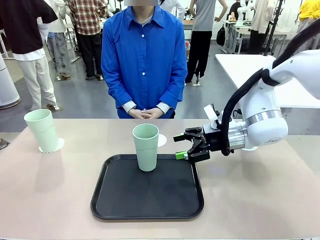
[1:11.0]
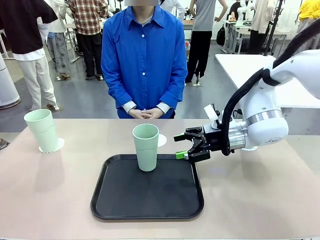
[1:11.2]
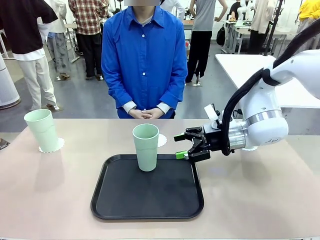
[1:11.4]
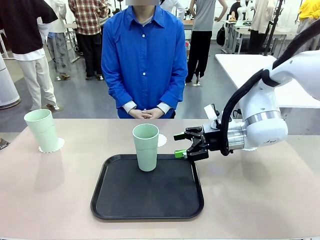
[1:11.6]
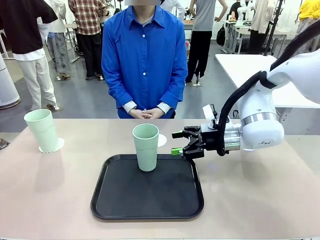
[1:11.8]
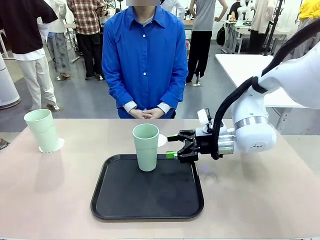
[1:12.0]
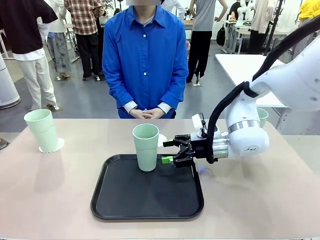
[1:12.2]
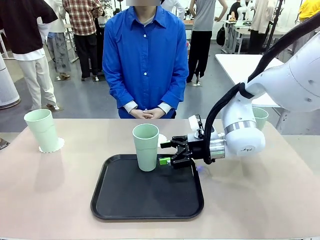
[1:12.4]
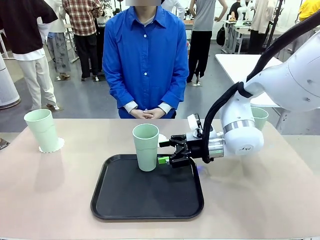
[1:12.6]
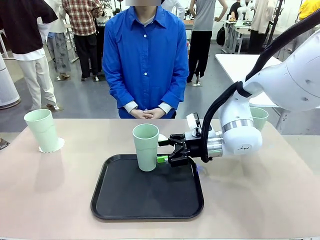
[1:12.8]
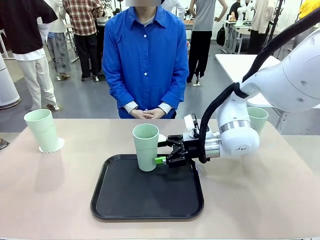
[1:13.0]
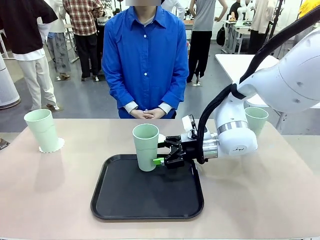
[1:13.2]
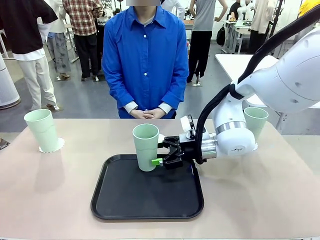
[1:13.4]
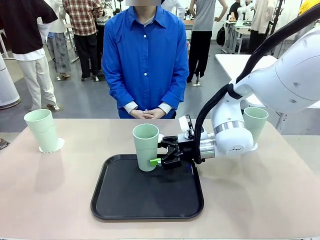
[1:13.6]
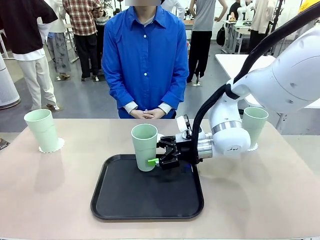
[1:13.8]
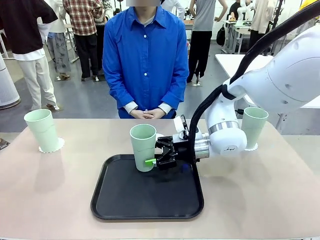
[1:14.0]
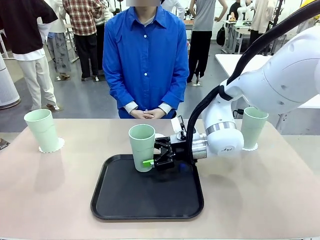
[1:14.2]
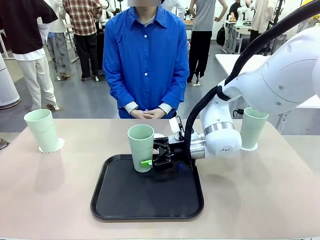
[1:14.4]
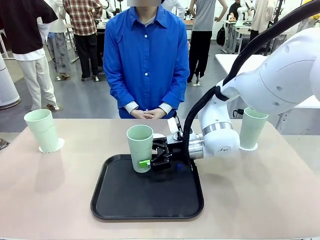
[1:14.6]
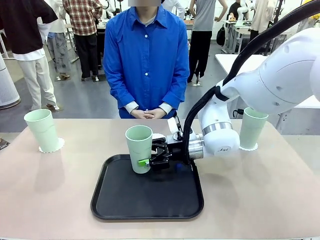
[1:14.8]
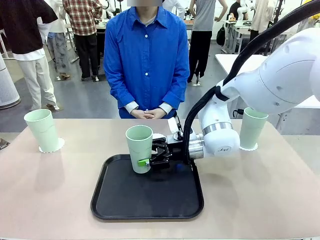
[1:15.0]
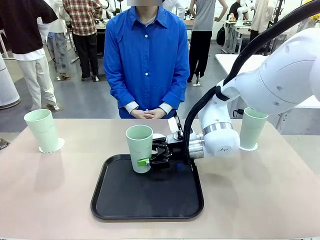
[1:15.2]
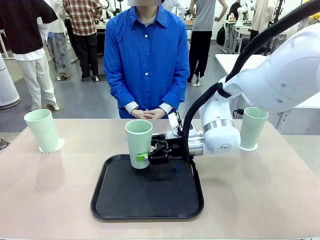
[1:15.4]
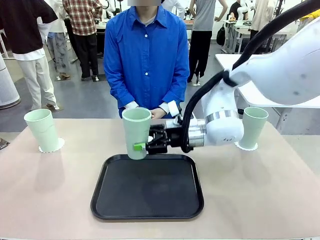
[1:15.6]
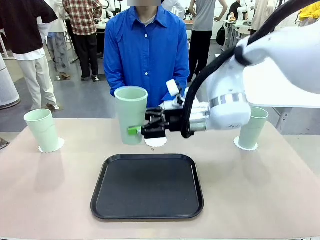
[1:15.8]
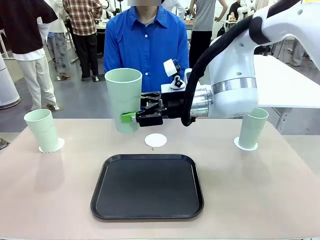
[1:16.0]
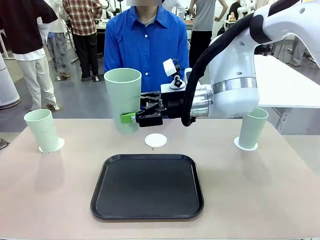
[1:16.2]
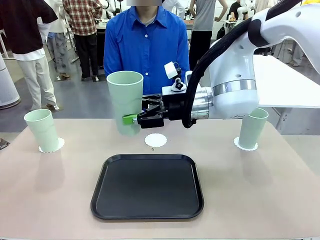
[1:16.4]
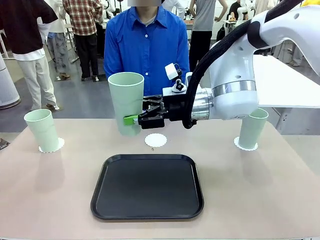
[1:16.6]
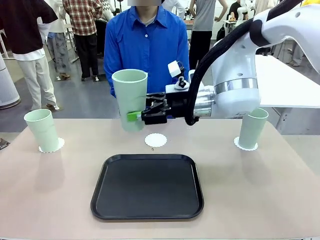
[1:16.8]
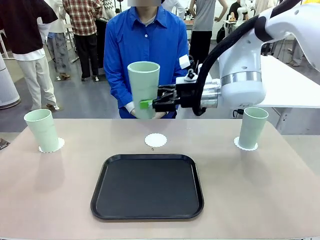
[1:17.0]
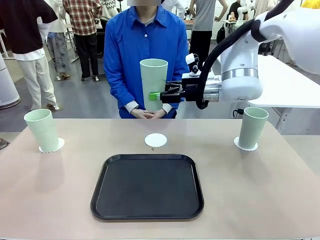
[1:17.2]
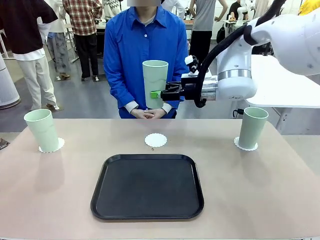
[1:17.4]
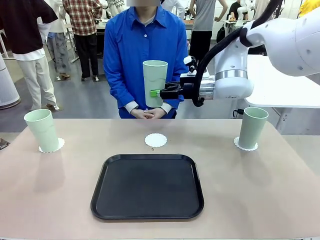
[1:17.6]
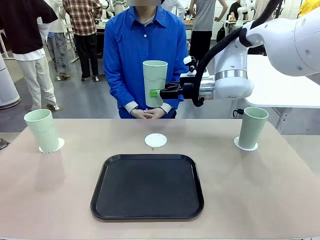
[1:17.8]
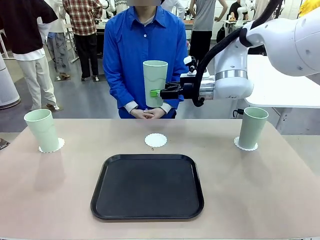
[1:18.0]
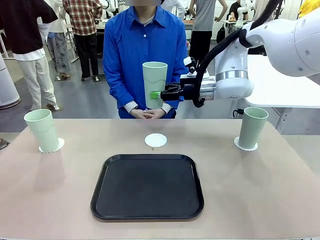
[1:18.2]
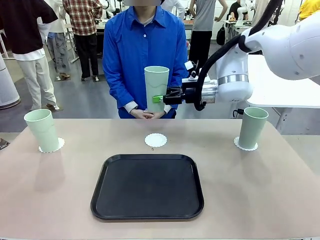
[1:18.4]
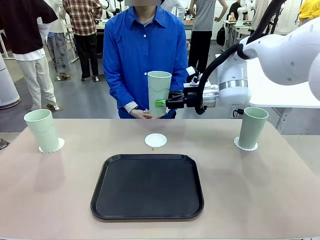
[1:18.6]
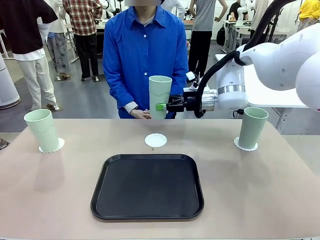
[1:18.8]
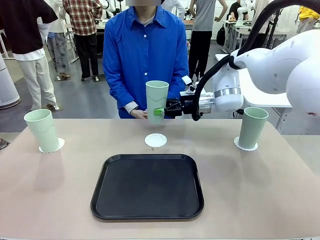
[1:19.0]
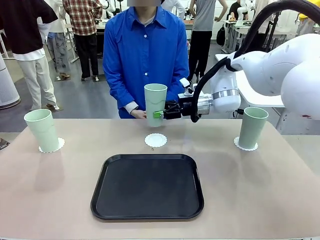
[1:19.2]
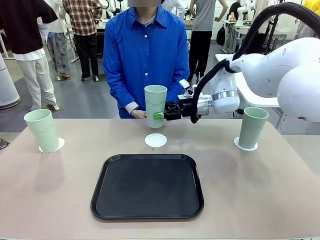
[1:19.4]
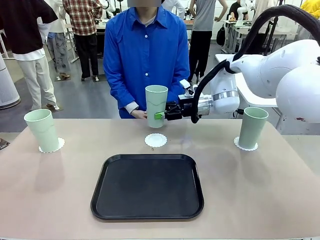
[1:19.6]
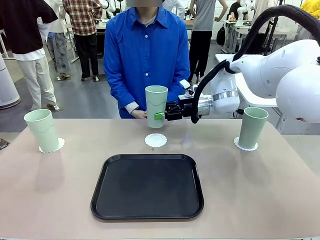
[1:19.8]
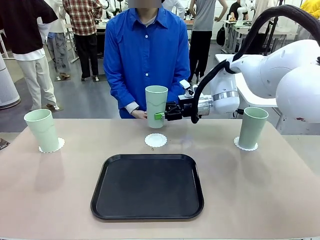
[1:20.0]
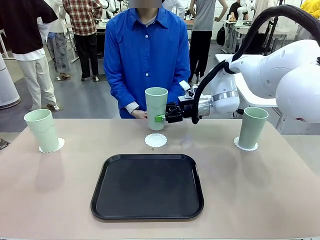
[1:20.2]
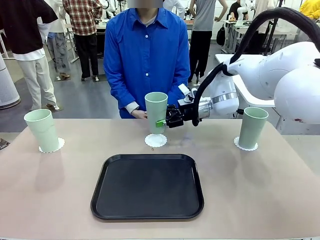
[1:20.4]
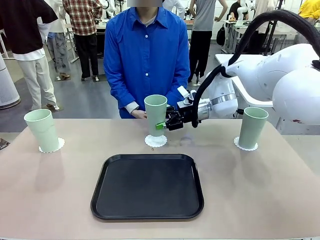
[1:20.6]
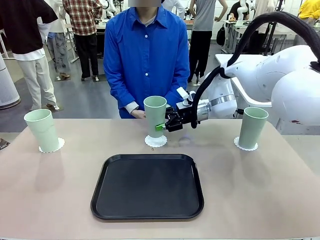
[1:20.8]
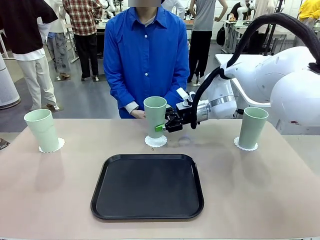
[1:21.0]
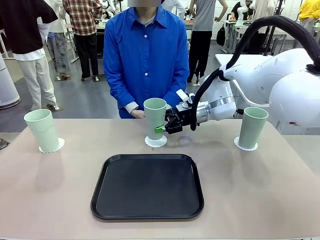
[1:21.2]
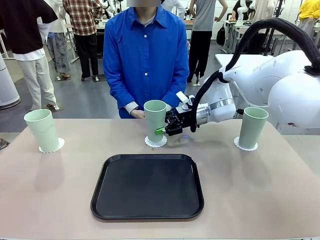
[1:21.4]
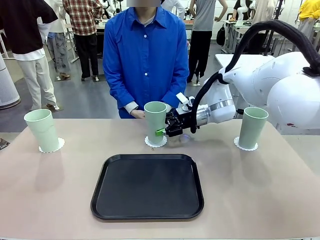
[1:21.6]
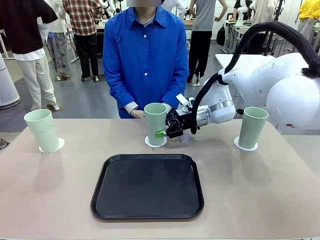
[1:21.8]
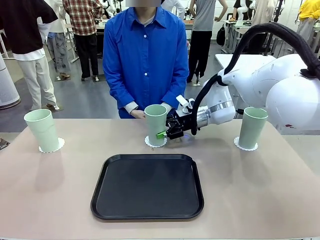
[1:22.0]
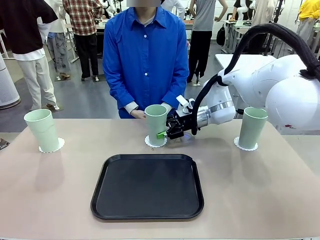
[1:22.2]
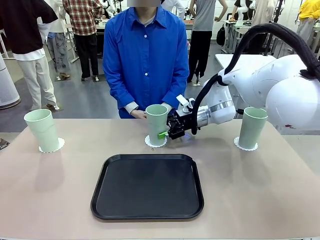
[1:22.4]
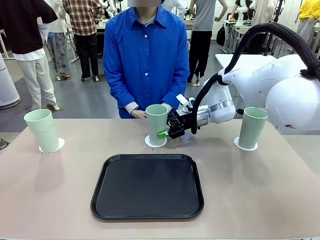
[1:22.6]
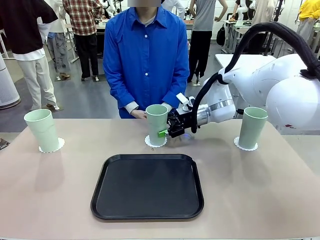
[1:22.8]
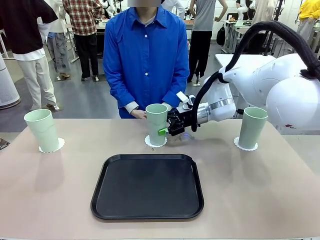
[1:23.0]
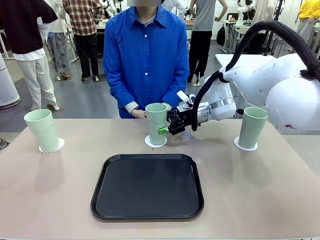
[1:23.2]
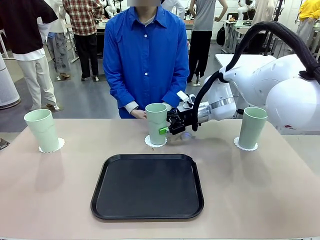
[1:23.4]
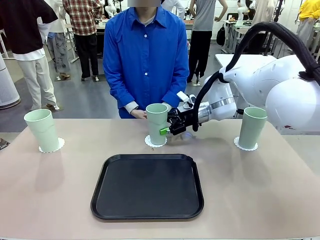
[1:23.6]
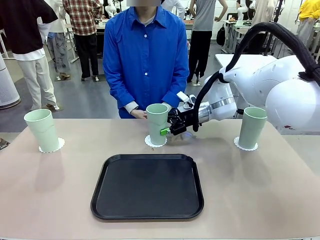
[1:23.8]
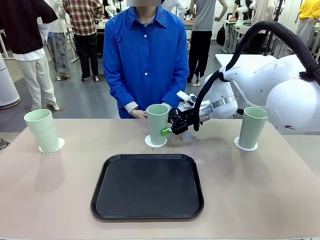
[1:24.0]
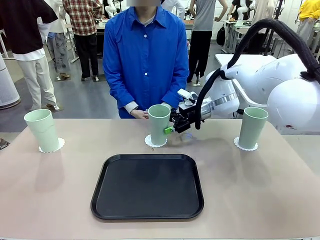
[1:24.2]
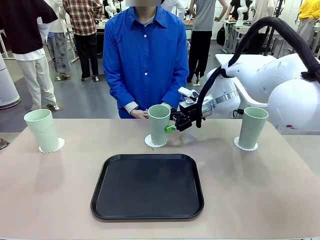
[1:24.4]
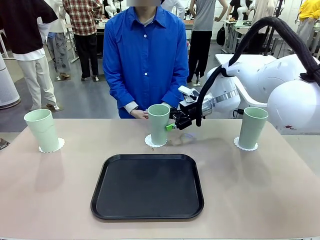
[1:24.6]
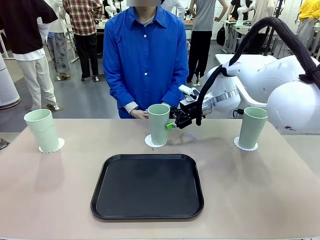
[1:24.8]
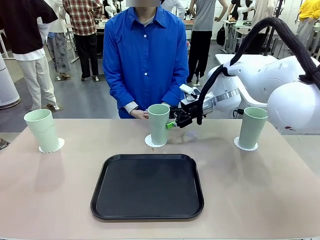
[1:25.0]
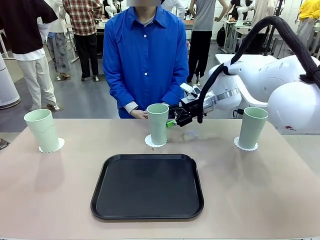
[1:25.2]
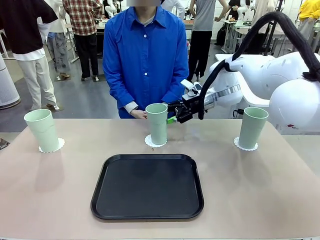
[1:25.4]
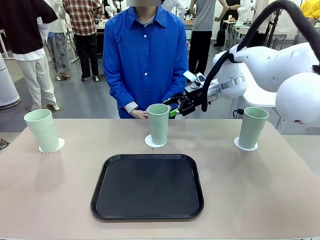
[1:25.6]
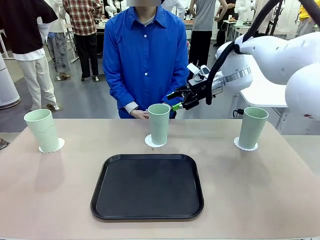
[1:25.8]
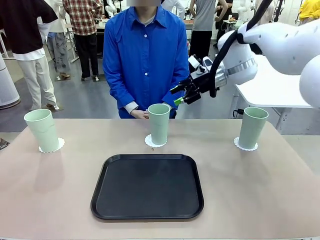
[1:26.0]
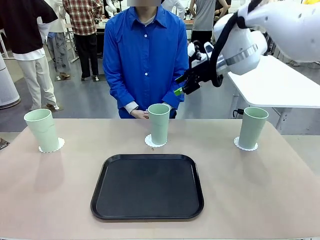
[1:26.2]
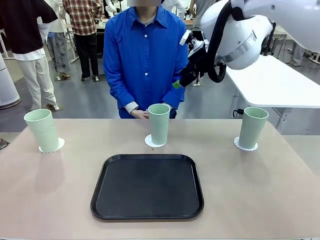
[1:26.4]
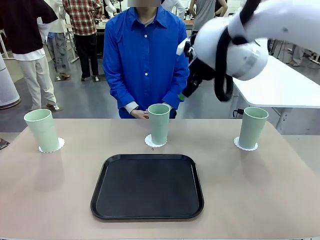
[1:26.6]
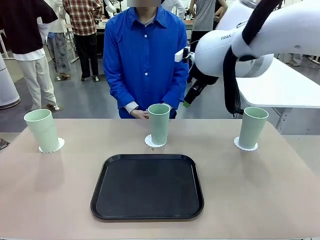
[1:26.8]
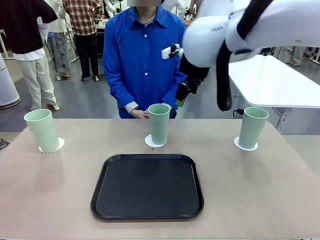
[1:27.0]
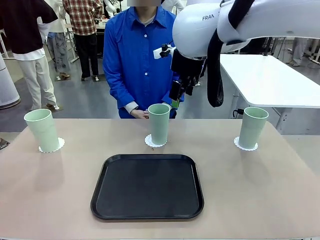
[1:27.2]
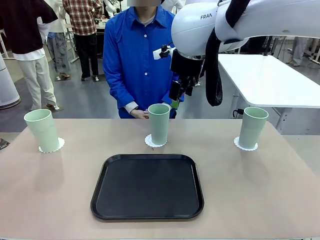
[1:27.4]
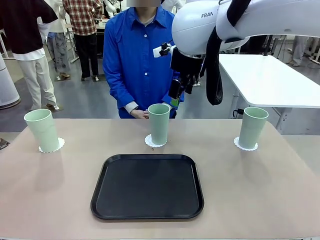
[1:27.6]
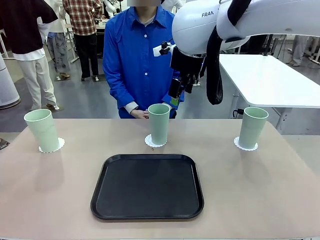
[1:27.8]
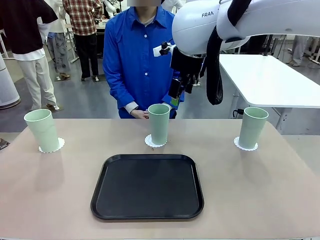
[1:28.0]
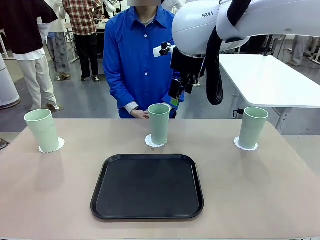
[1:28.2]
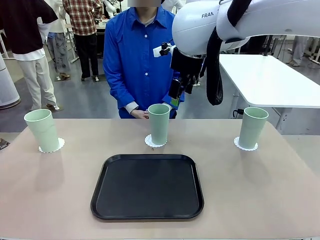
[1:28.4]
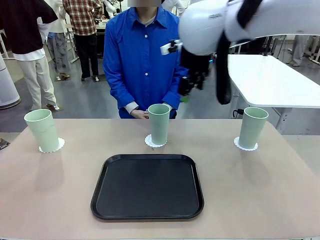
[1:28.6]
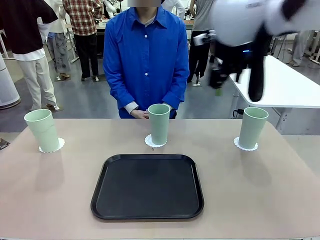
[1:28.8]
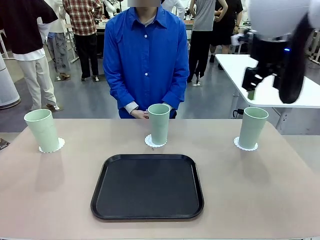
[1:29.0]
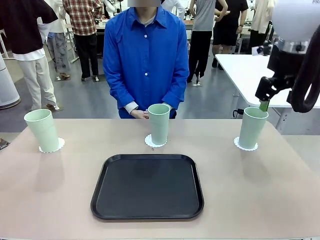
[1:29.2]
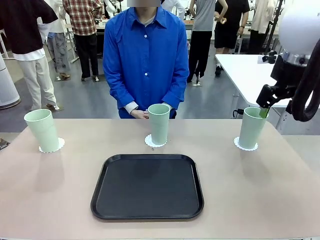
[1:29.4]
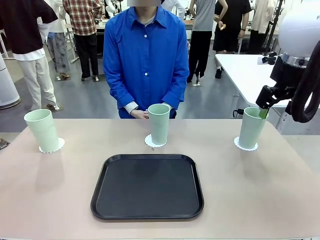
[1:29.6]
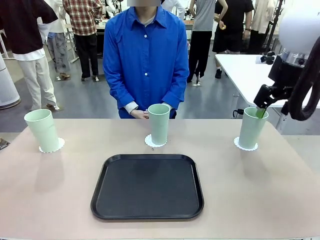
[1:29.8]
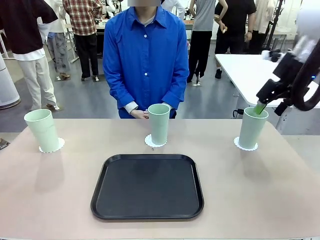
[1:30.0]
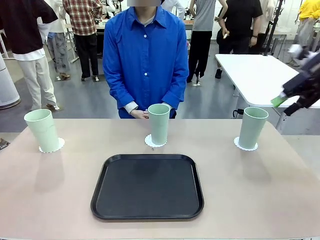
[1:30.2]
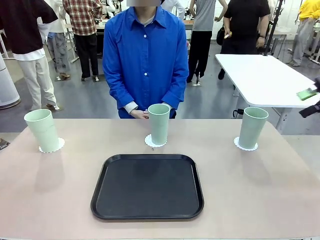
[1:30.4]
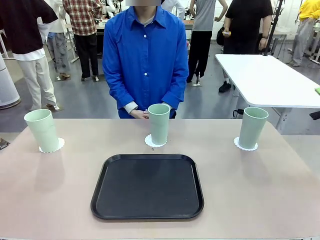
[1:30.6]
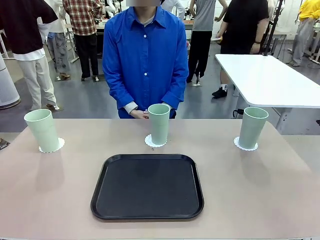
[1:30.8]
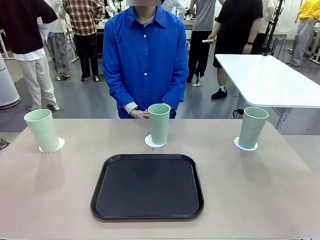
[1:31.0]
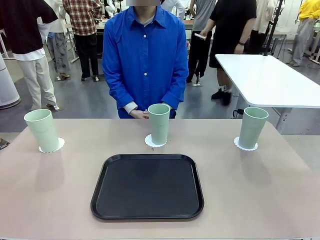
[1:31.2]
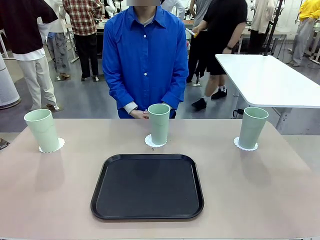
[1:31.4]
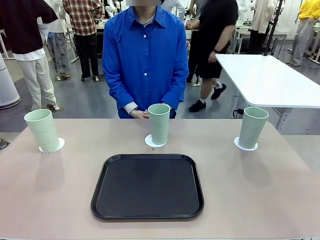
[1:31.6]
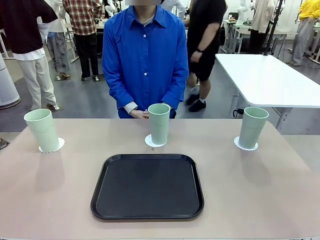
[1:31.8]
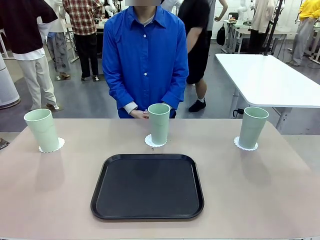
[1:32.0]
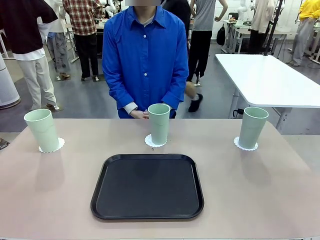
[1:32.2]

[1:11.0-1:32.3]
Task: Place coasters on the table and set cups on them.
Robot: Take one Reusable plastic cup from the Flat Tray and place it on a coaster set by the human.
